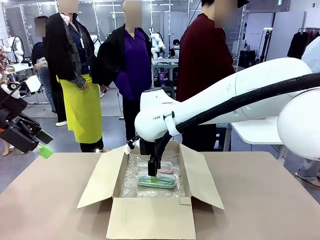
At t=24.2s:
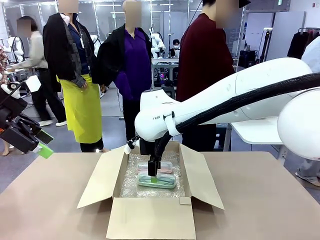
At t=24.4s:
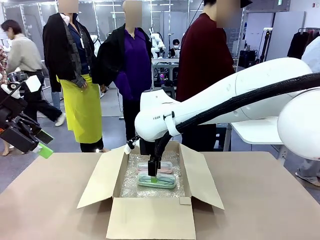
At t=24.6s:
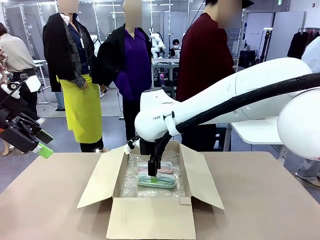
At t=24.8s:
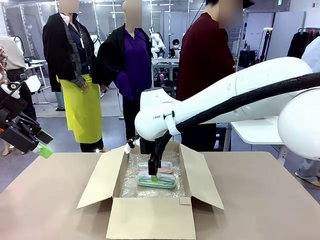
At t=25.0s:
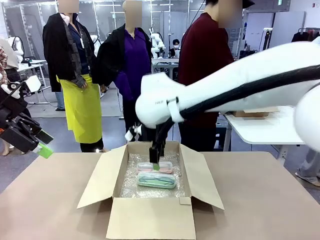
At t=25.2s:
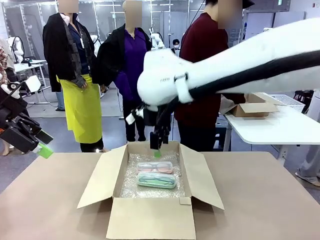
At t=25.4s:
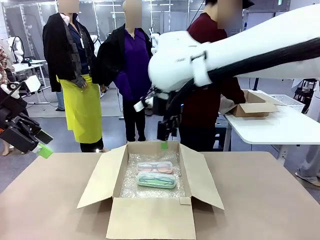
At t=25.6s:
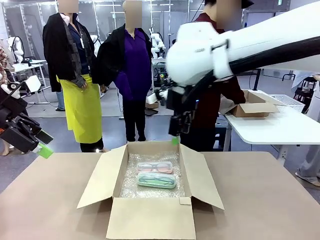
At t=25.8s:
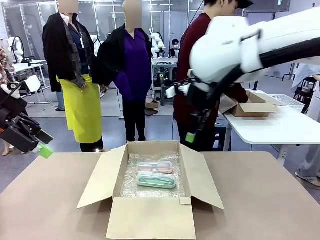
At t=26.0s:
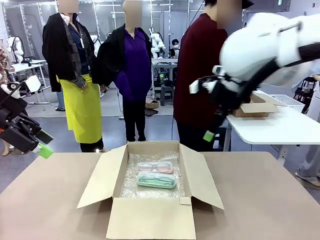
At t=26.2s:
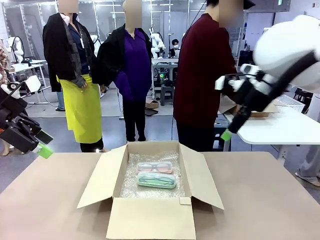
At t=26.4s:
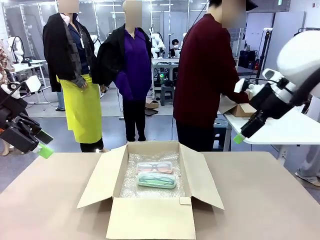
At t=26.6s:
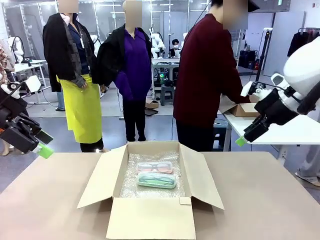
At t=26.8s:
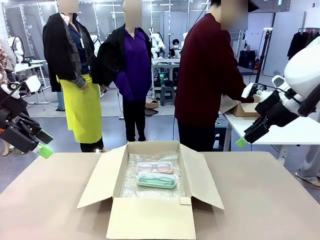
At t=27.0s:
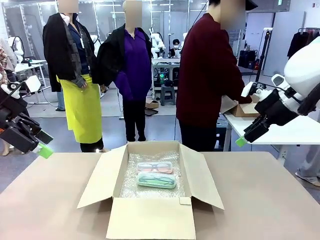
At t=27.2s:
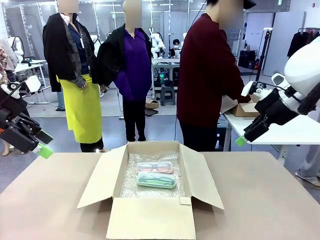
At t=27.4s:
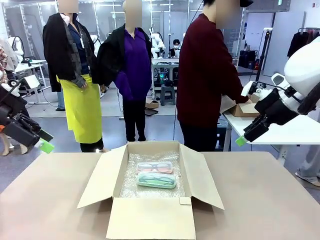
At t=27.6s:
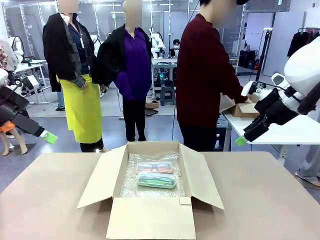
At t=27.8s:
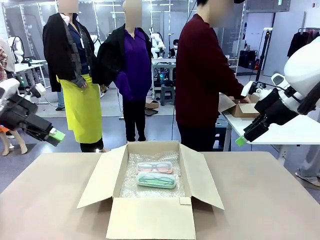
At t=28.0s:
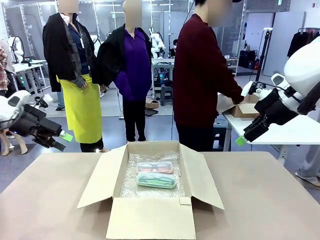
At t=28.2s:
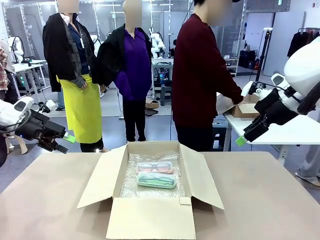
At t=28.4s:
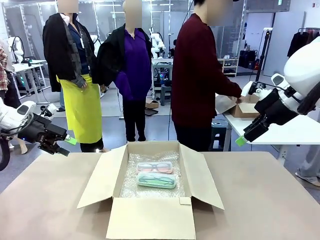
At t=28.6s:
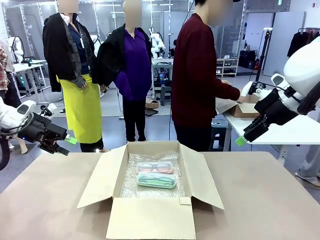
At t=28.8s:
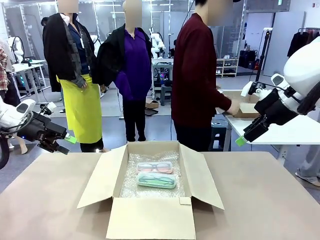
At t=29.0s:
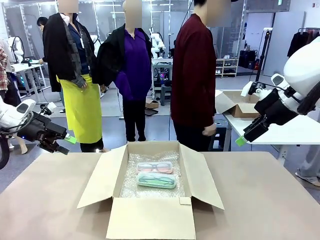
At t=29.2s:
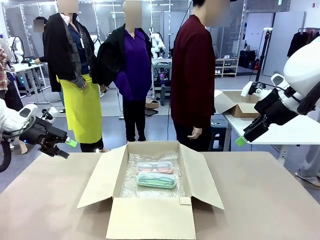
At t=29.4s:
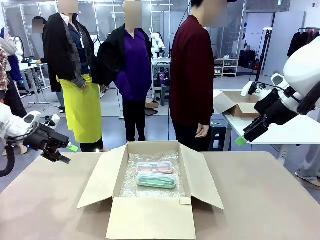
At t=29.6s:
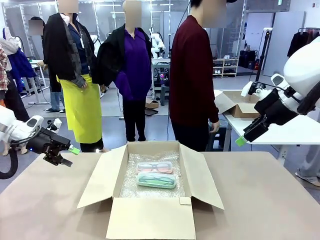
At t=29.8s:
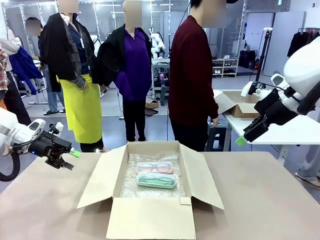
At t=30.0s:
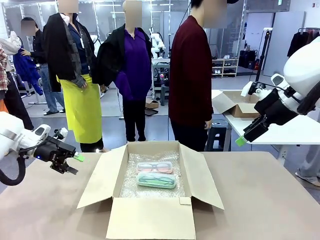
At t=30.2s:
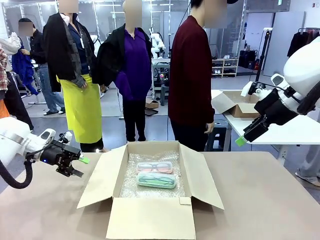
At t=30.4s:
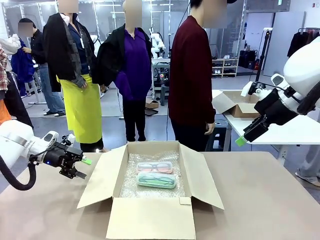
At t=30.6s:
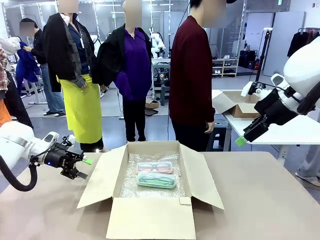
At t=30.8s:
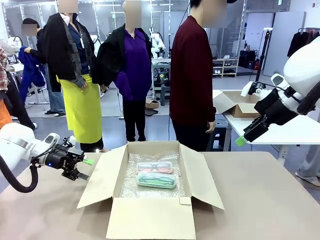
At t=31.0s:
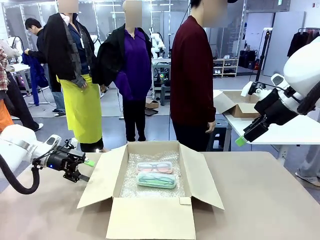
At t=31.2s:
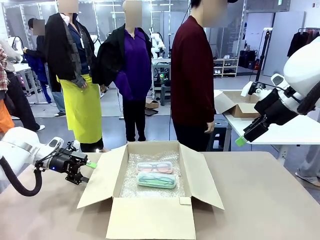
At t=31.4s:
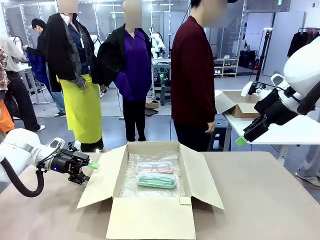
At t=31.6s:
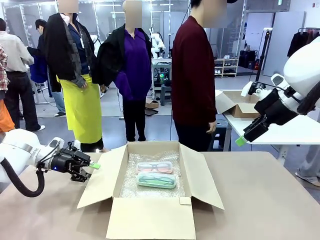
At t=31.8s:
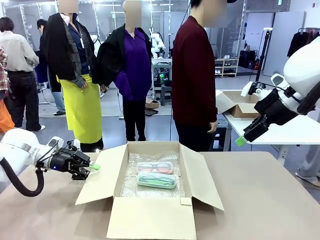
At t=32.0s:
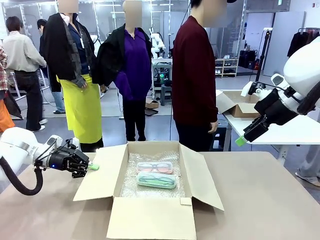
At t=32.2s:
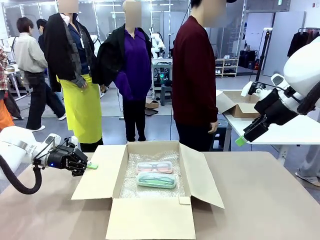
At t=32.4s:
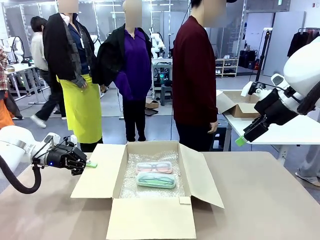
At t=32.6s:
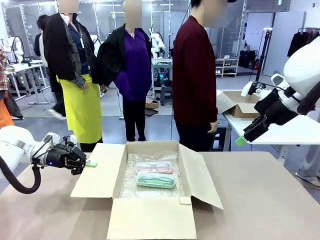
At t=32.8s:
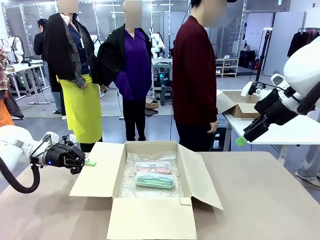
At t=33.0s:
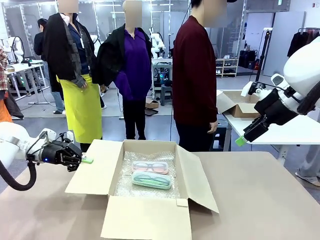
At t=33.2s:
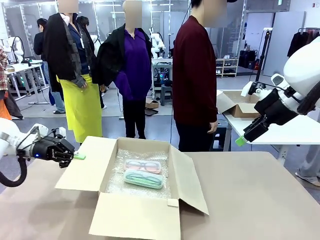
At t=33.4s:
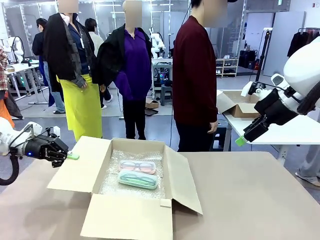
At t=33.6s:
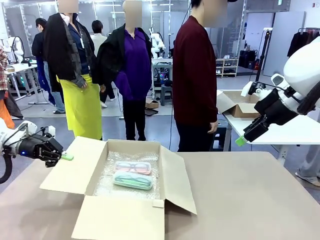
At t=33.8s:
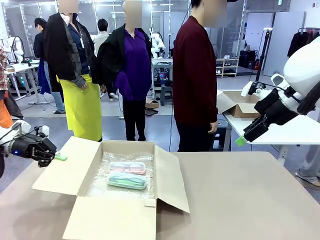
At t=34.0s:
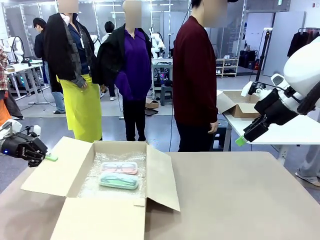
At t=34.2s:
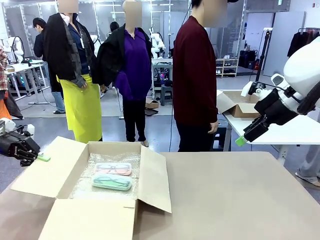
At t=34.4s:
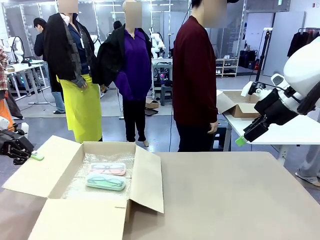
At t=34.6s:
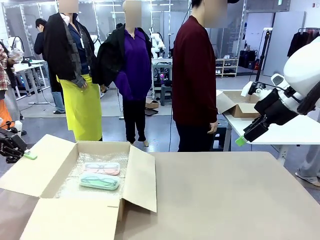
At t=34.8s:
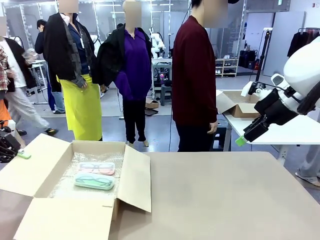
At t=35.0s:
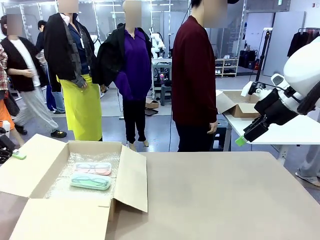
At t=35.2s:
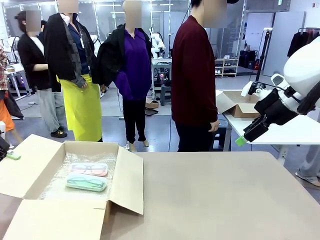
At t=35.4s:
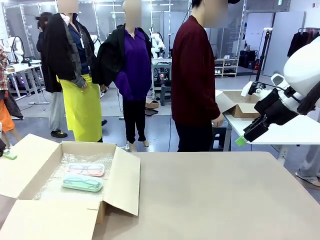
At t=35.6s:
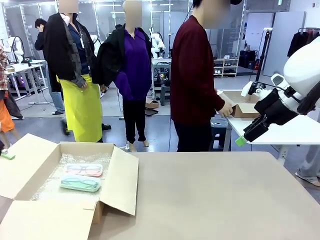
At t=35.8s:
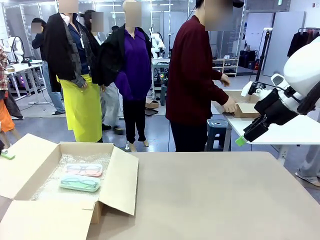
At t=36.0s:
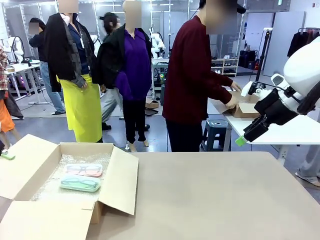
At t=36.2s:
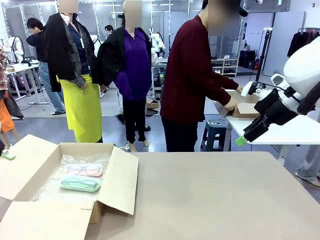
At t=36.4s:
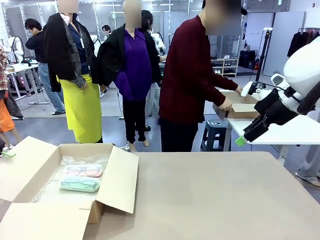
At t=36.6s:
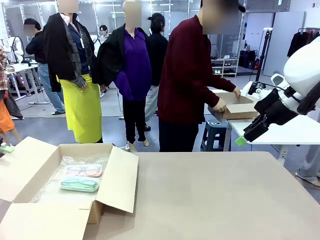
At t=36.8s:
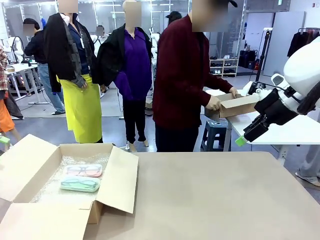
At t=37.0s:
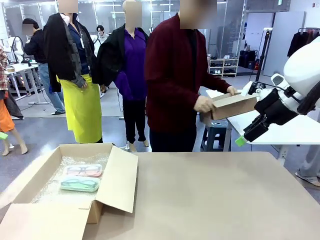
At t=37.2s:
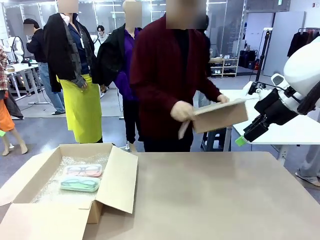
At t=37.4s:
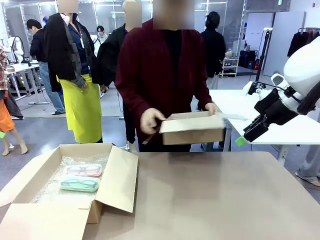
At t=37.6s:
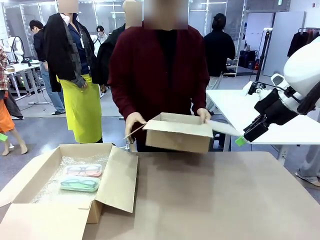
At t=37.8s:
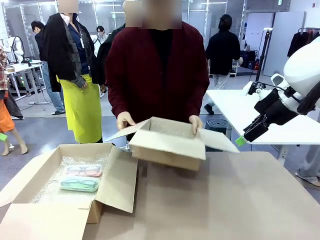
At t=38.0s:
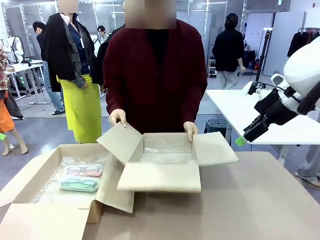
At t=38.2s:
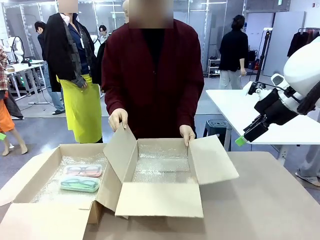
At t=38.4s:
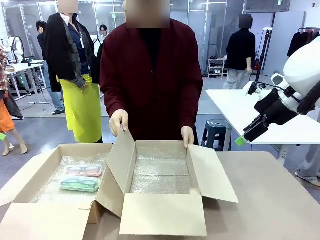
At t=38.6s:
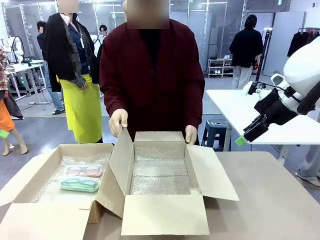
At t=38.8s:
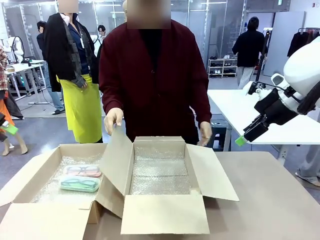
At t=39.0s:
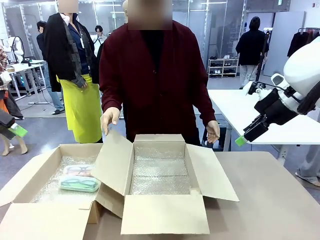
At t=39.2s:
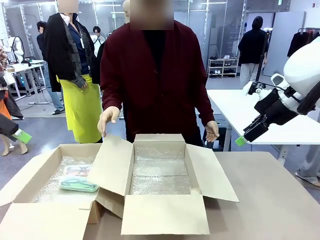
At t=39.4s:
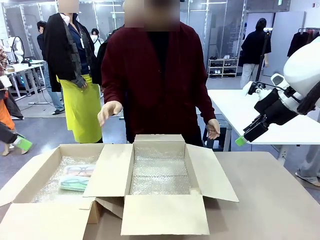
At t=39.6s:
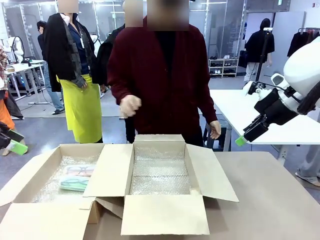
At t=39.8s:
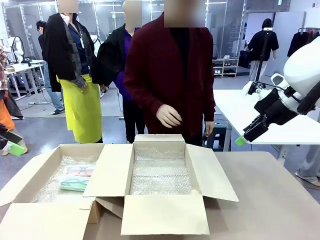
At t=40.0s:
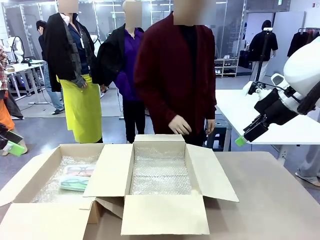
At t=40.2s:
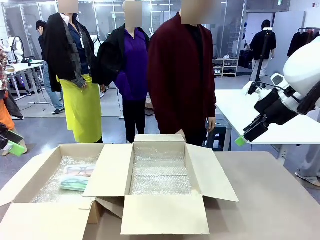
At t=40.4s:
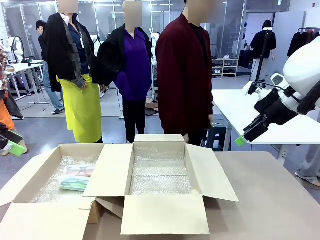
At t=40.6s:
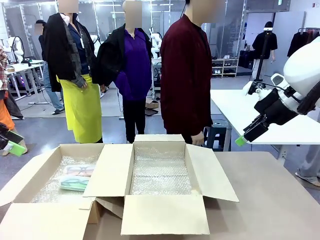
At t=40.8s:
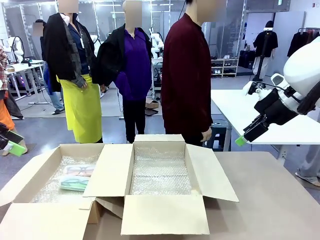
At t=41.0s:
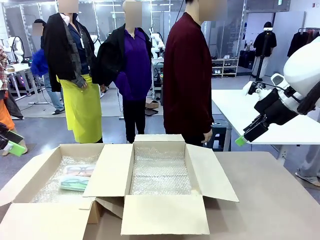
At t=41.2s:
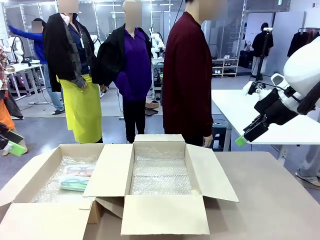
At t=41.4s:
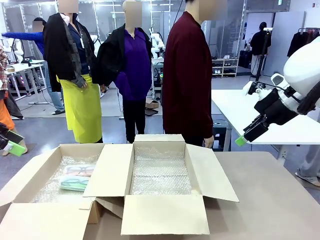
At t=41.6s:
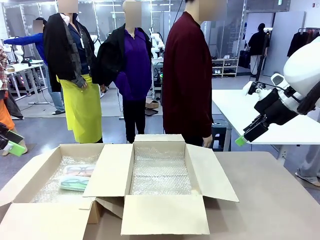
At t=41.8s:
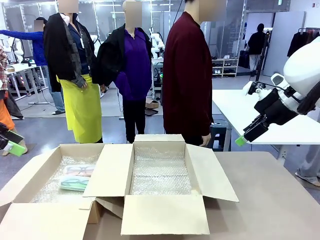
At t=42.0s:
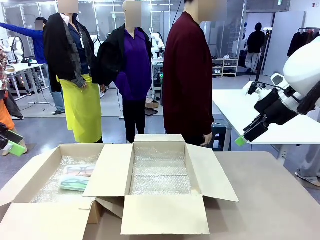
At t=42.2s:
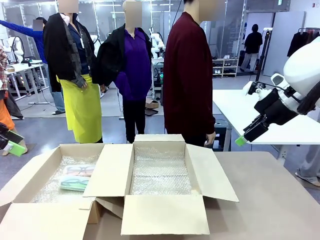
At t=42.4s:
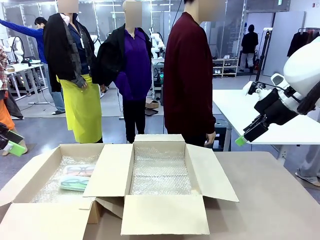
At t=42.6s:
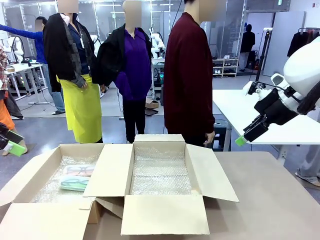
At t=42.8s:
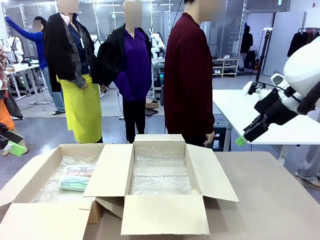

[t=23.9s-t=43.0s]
Task: Pack the glasses set securely to prepare it for shipping.
Robot: Position the Package Box on the left side of the table.
Person: Position the empty Package Box in the middle of the robot's table.
